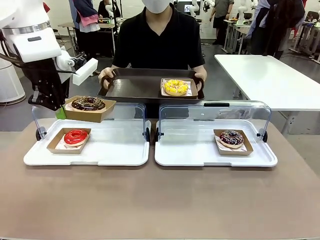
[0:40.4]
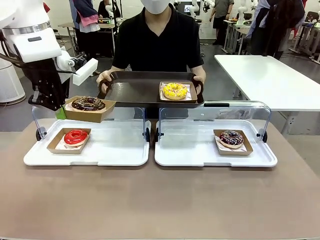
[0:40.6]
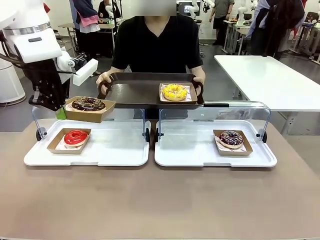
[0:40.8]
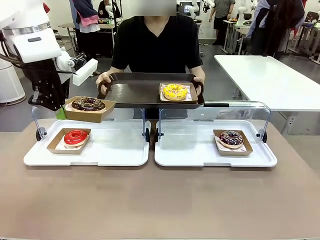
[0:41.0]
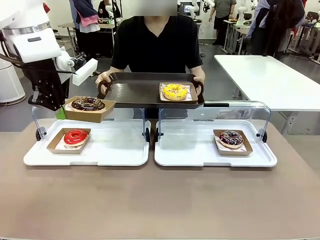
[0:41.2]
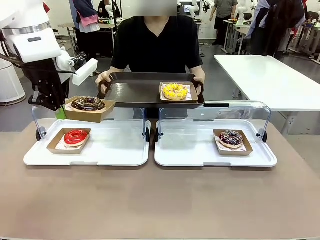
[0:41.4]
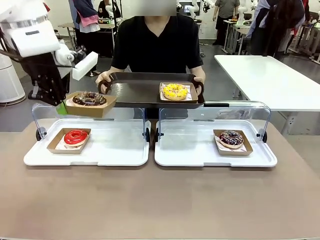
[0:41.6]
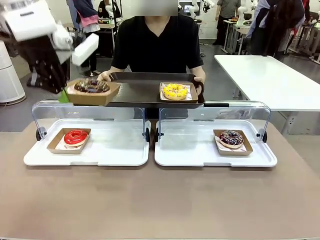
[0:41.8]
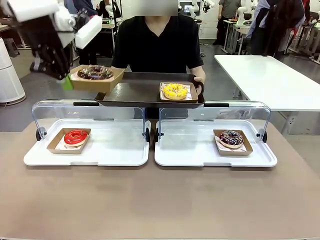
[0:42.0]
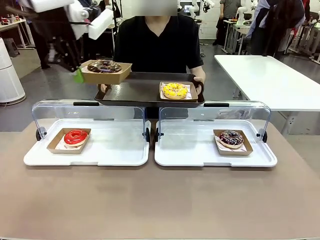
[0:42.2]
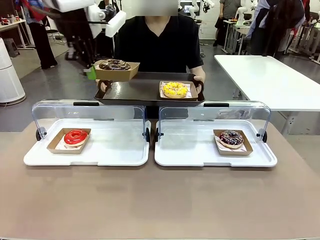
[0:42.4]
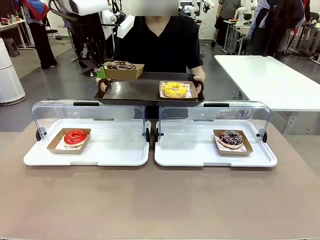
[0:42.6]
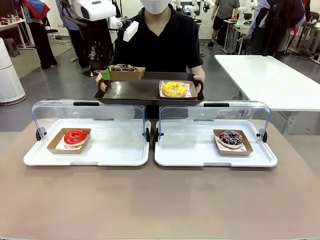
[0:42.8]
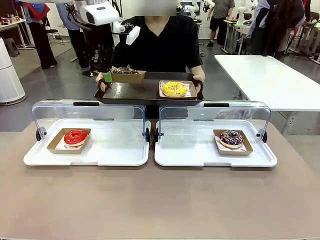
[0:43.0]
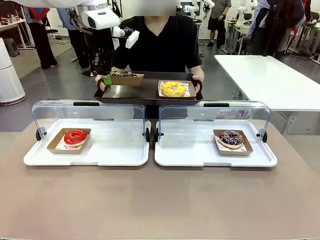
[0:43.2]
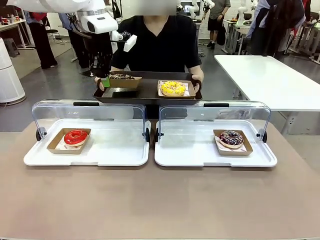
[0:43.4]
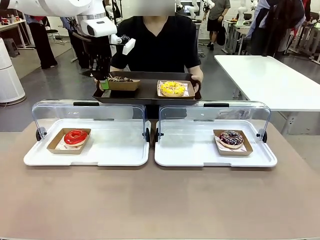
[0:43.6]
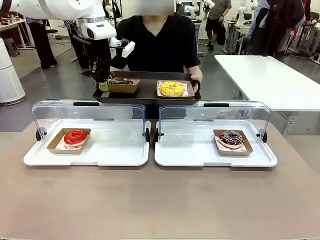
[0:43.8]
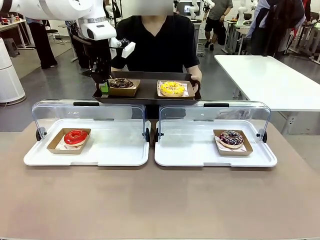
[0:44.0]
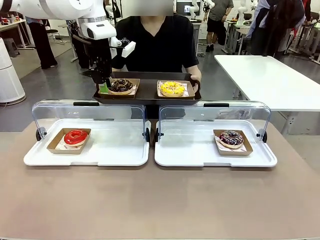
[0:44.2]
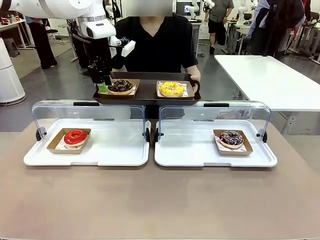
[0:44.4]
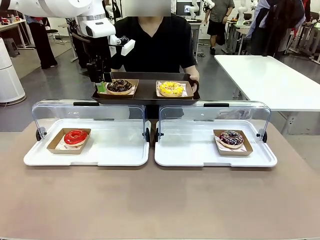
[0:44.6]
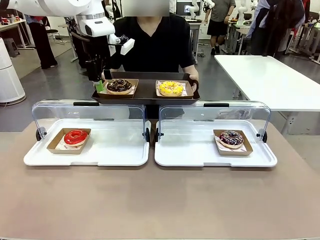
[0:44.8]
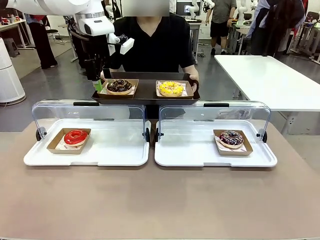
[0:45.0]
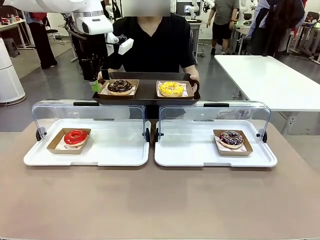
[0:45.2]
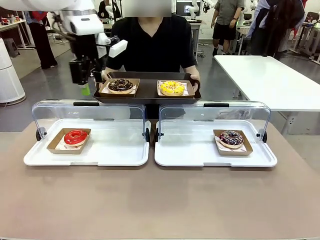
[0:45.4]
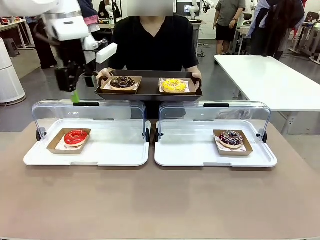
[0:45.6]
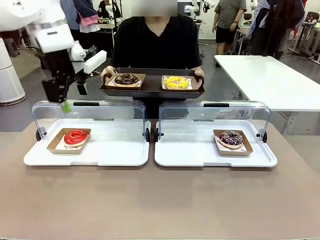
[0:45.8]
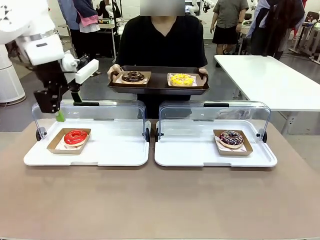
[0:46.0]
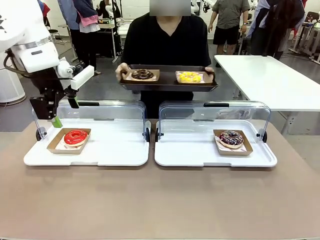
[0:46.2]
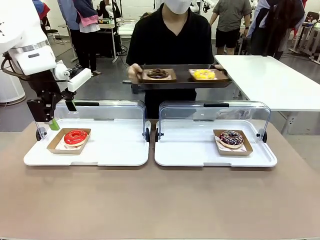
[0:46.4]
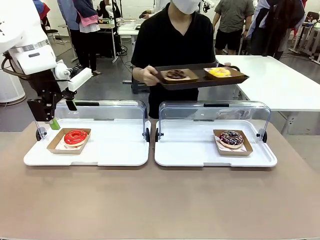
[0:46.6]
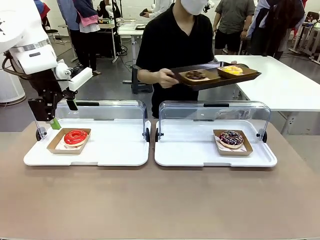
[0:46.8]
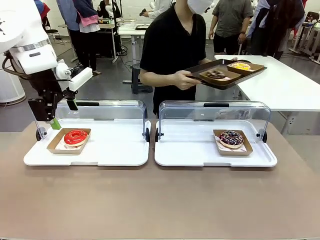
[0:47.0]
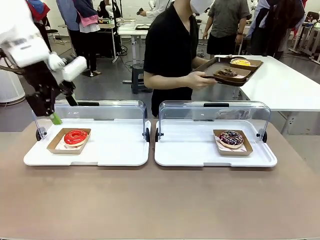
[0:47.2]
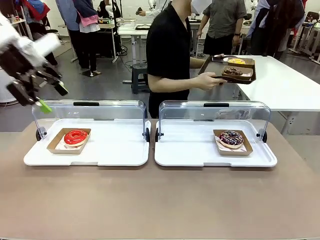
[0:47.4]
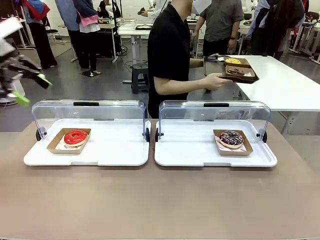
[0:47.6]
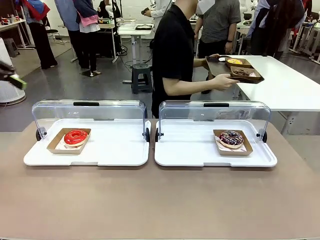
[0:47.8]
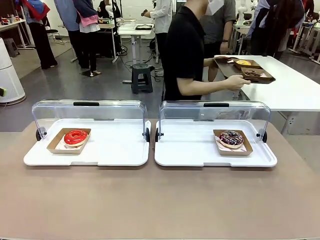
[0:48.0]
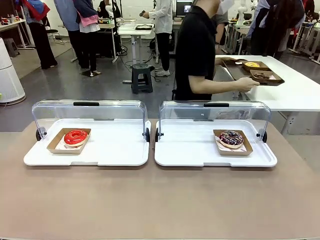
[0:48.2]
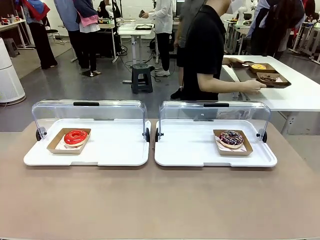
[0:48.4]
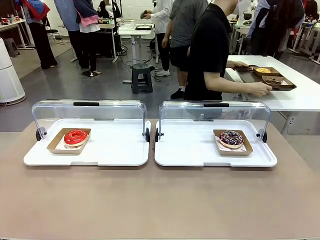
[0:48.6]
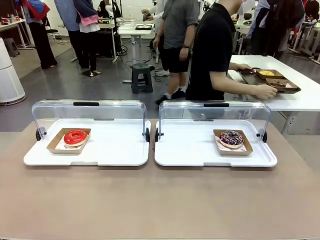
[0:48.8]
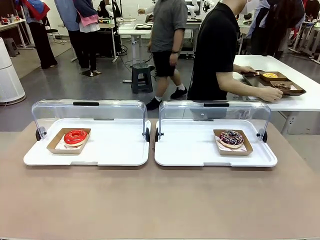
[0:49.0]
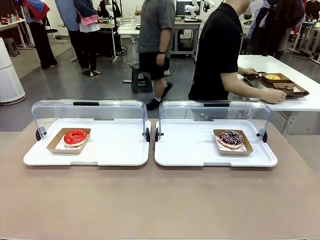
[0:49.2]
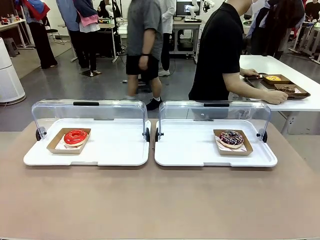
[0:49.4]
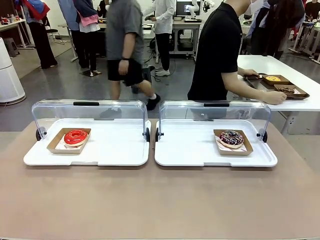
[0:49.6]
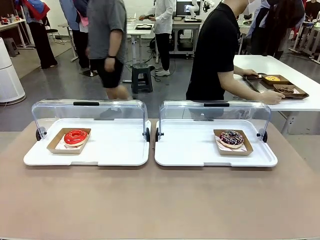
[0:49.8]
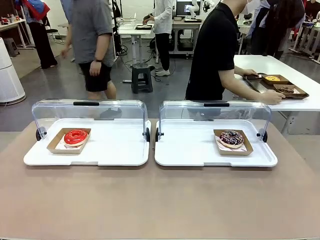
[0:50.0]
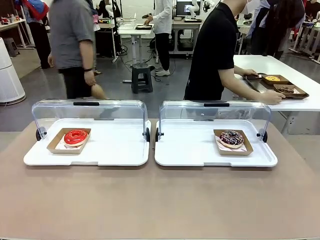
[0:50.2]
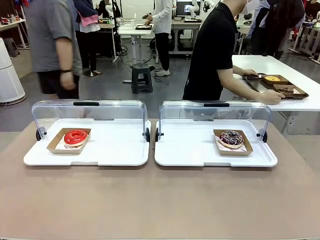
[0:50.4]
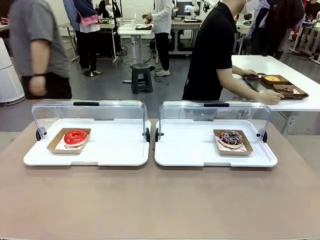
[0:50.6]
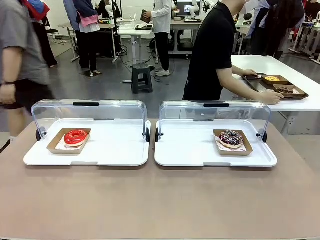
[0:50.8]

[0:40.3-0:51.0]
Task: Provide the desired donut to the person.
Robot: Place the picked Paper togo box onto the Handle tray extended by the person.
Person: Place the tray in the middle of the human table.

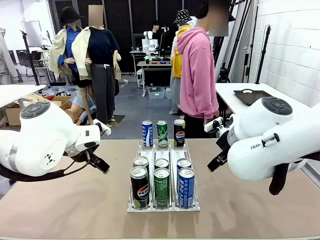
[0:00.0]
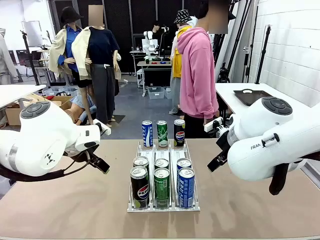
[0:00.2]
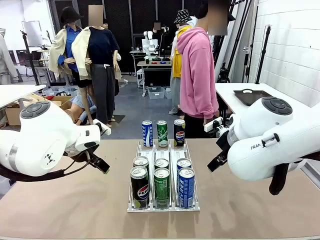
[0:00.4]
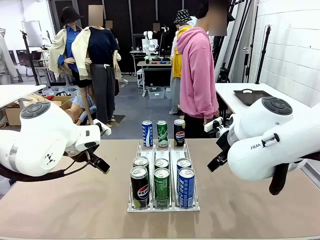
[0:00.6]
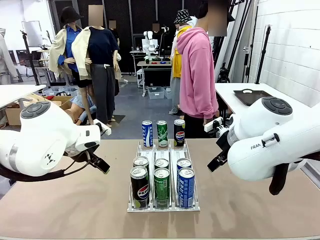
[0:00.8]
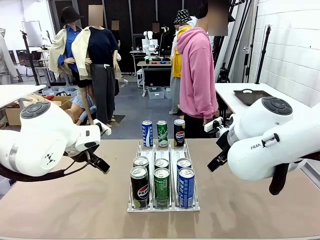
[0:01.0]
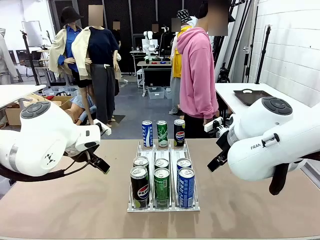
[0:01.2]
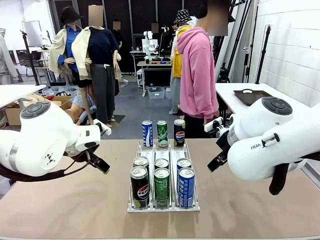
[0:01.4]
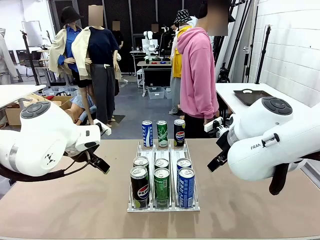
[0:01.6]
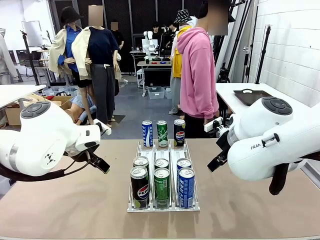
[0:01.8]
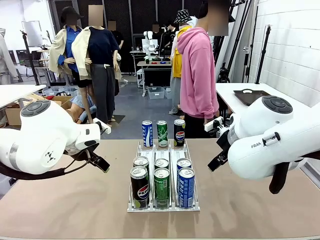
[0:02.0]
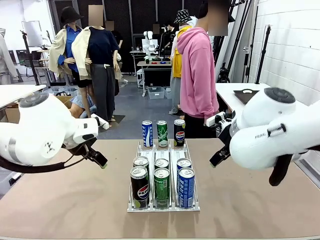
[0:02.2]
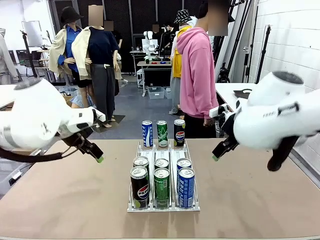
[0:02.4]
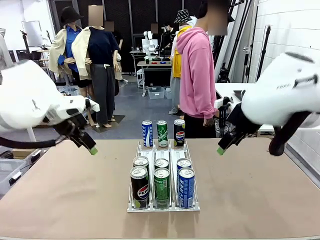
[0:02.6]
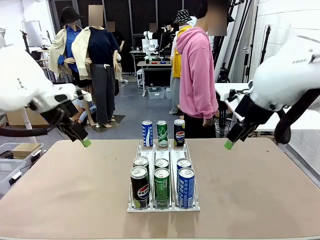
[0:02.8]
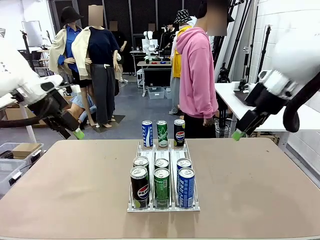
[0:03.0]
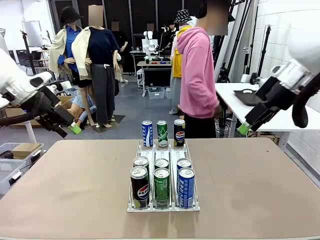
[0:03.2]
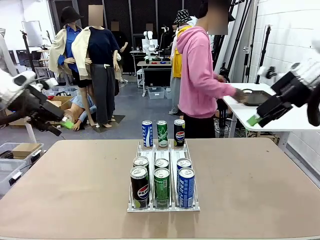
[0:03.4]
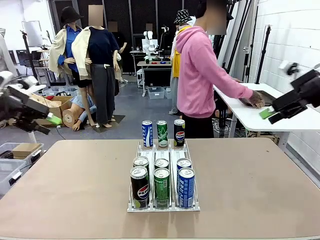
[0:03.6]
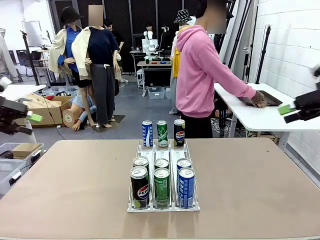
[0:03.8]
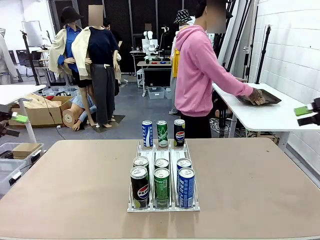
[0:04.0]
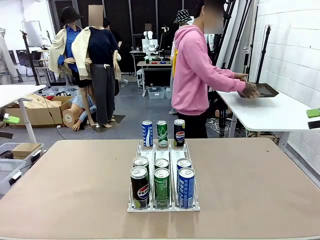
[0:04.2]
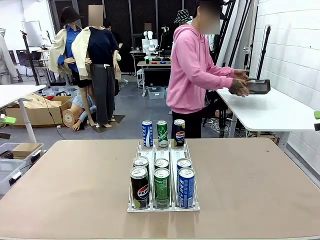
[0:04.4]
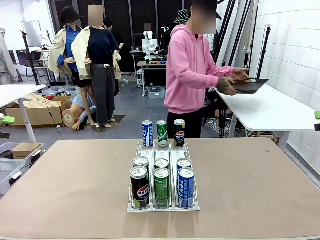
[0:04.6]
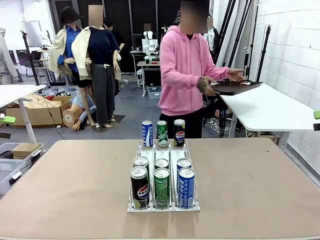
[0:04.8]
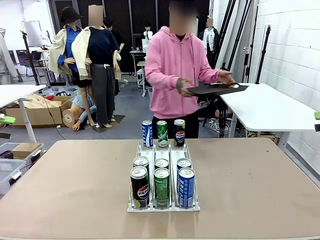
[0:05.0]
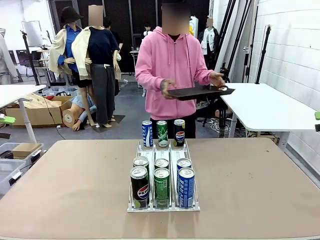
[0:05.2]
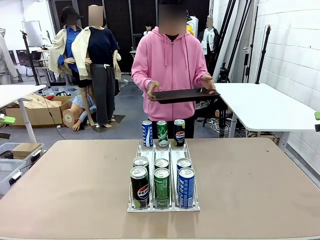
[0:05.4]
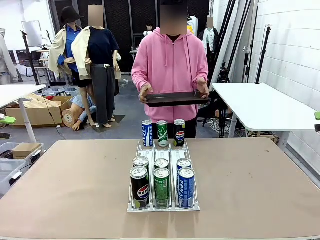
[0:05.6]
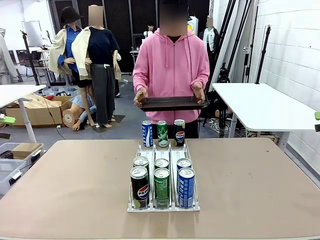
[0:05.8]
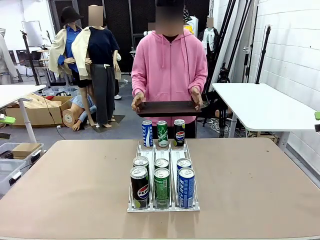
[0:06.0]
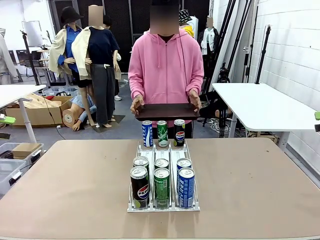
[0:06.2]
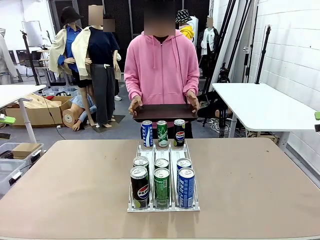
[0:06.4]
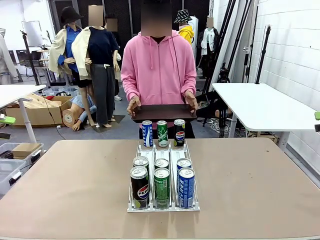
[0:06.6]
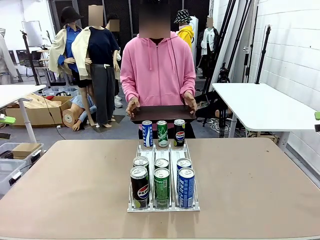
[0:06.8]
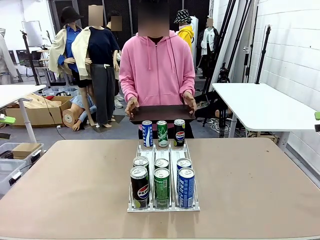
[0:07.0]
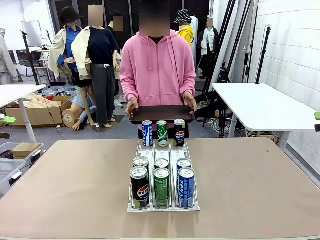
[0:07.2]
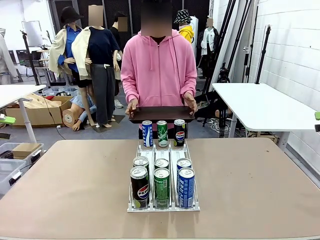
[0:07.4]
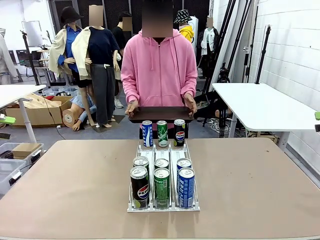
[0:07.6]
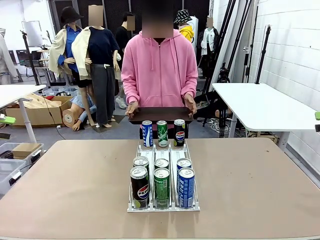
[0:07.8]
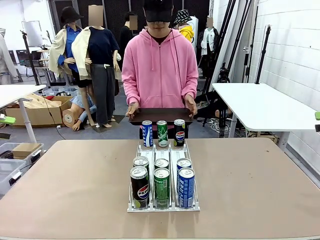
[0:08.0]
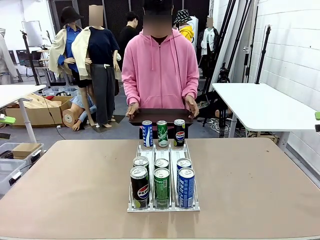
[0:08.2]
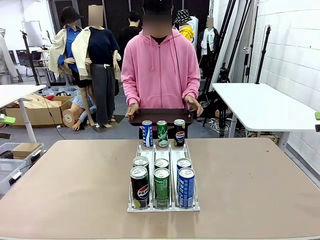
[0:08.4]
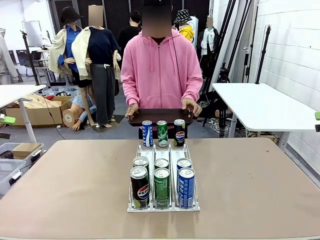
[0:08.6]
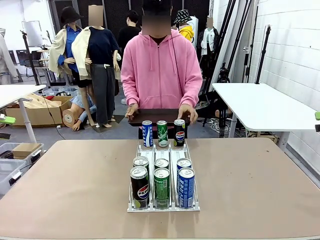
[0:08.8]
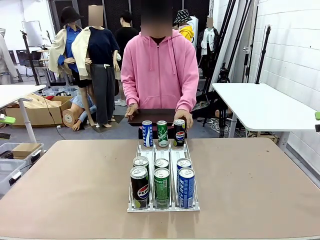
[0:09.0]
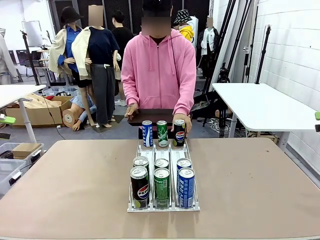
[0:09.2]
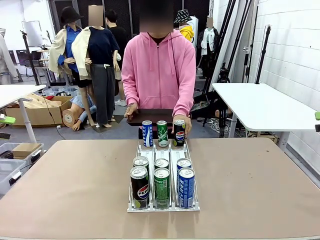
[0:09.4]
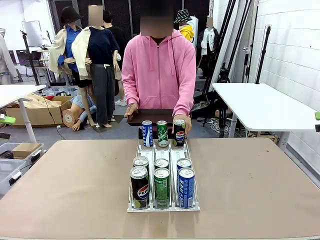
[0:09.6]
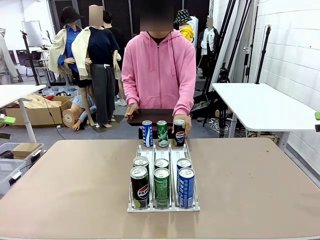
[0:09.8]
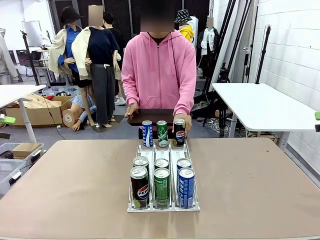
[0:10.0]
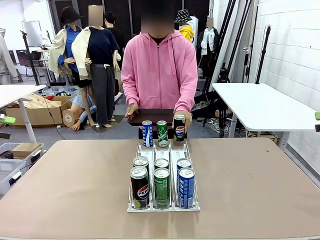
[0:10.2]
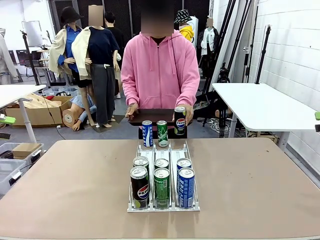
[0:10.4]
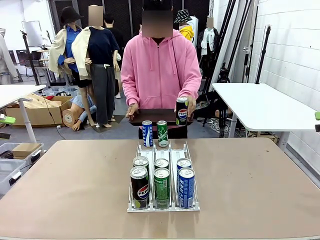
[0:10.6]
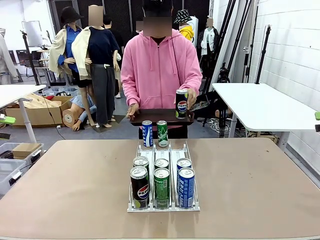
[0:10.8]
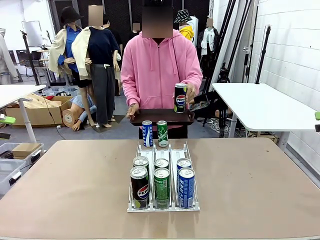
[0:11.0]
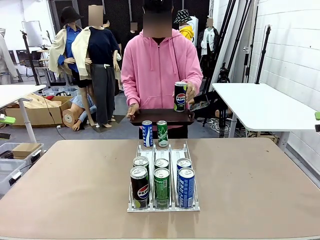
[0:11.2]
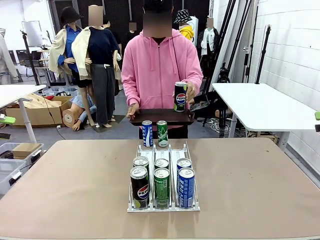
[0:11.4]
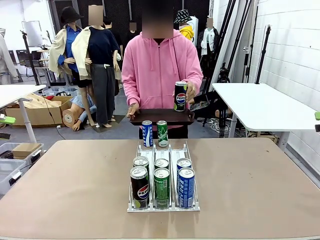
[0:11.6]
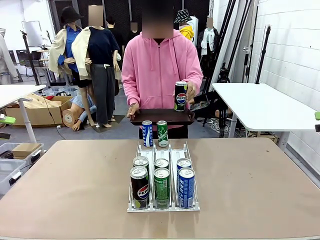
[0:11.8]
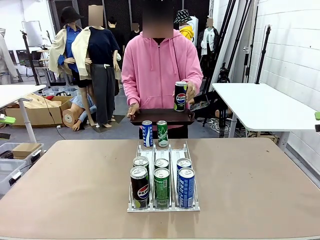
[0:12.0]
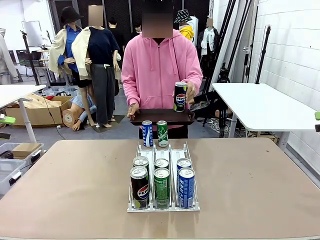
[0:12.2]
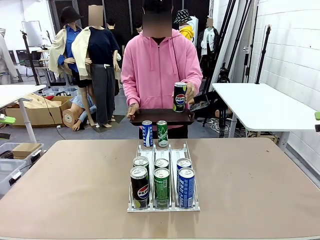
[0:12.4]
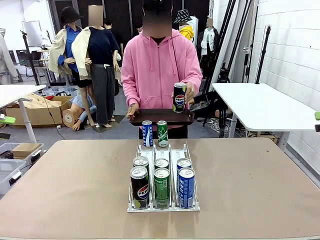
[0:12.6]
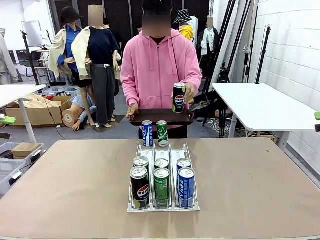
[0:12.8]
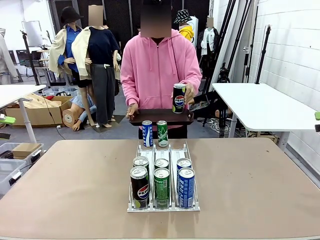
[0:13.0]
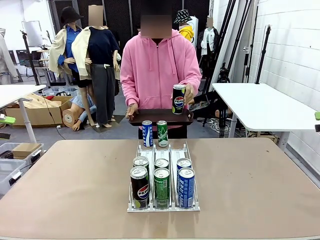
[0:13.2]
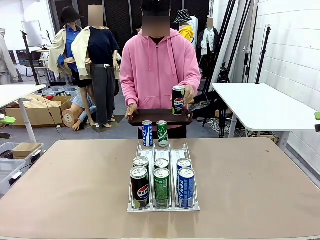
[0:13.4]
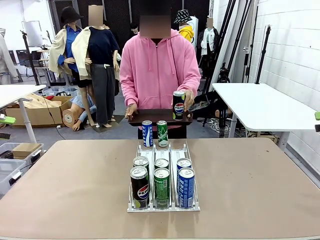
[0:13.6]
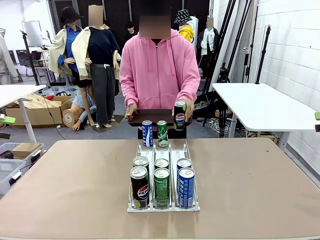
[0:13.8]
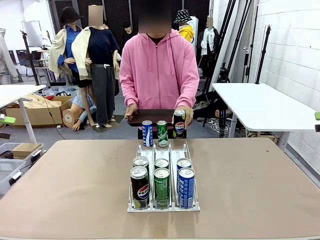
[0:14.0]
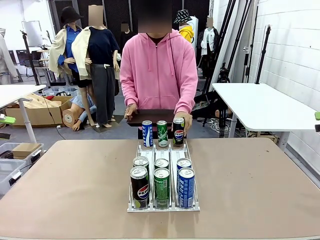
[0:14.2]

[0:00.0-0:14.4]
Task: Retrieve and hand over the desired beverage to the person.
Robot: Pick up a can of the same type that the person held from the Automatic Can Dispenser.
Person: Hold the tray and position yourself in front of the robot table. Pick up one can from the bottom area of the table and puts it back in its original place.
